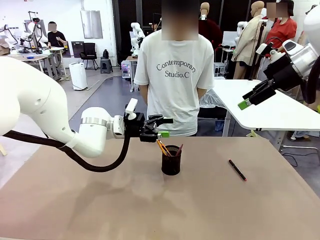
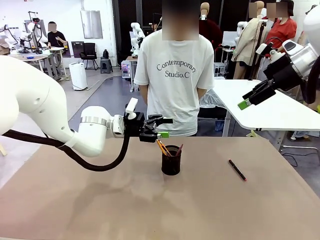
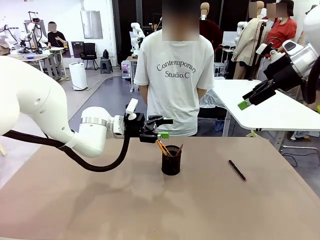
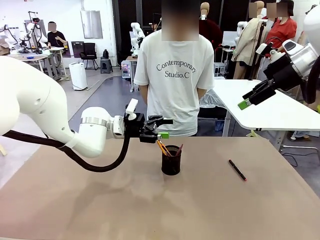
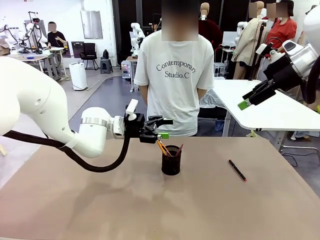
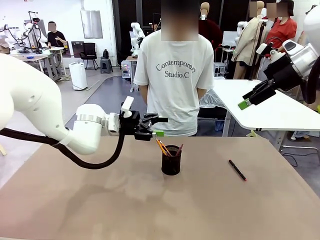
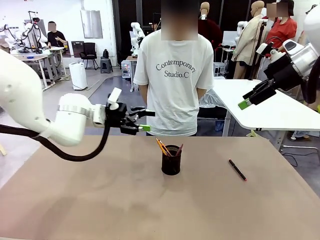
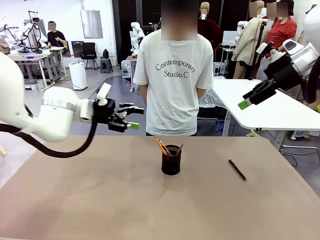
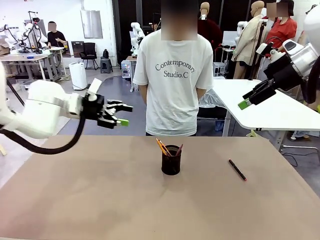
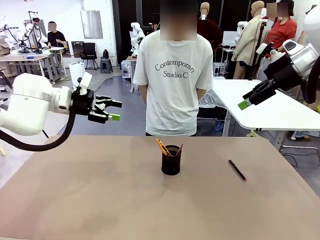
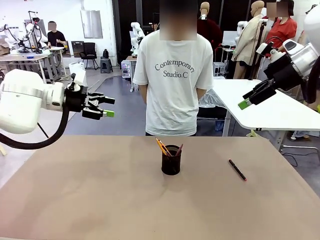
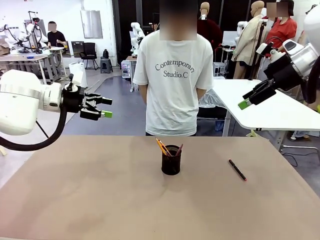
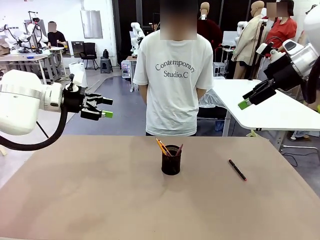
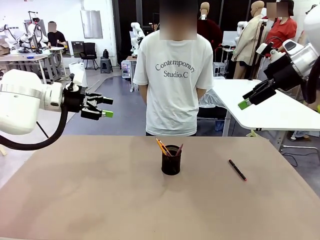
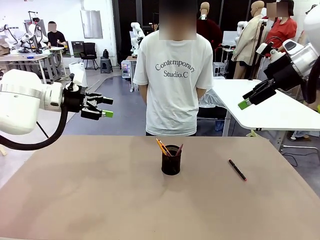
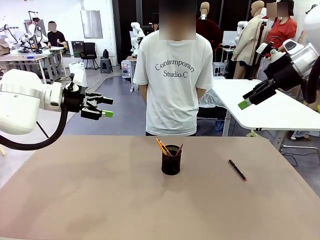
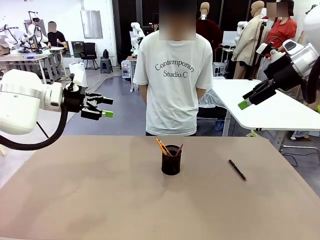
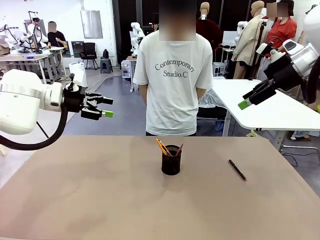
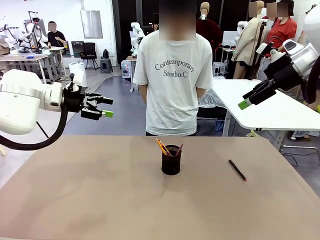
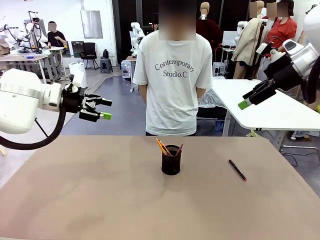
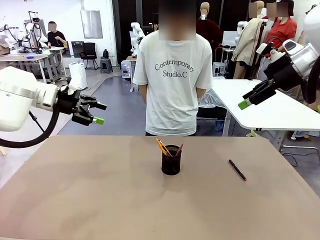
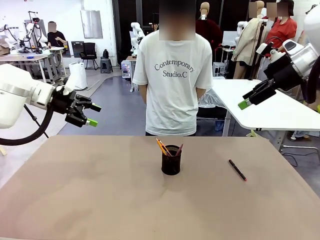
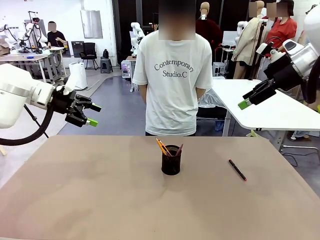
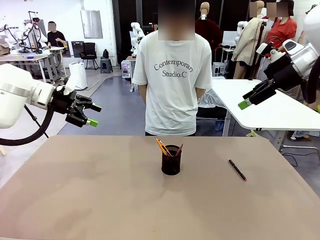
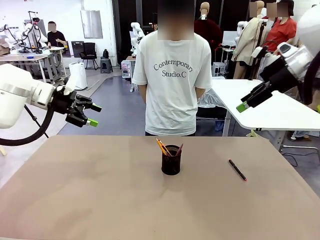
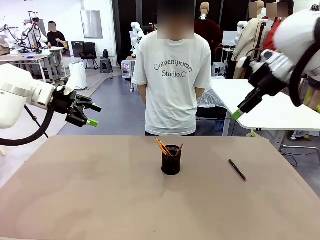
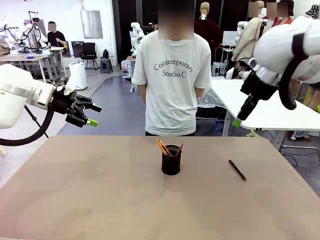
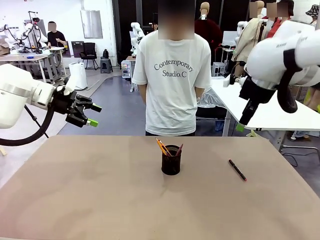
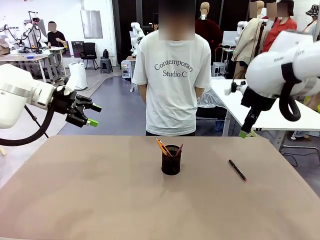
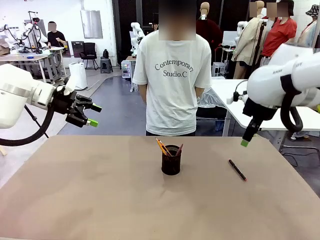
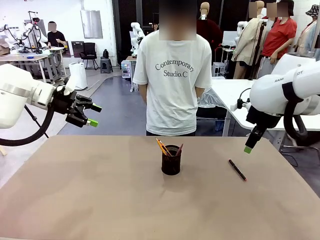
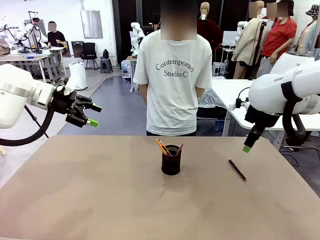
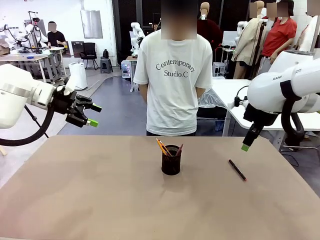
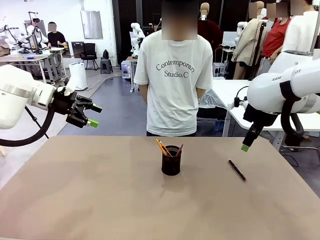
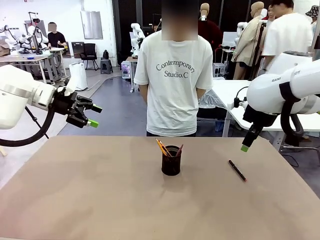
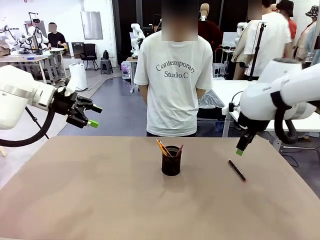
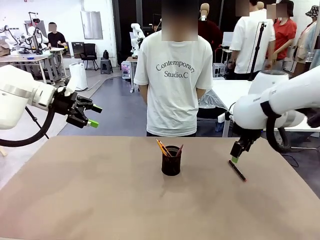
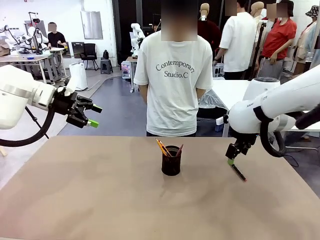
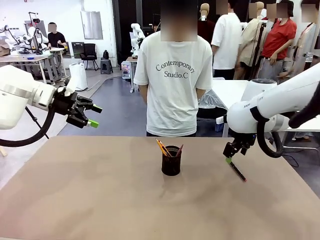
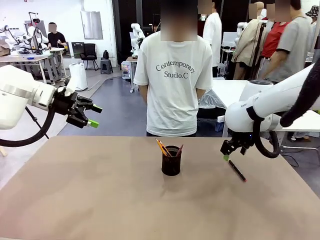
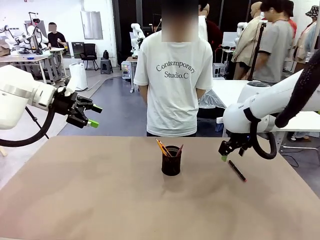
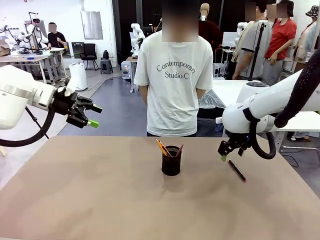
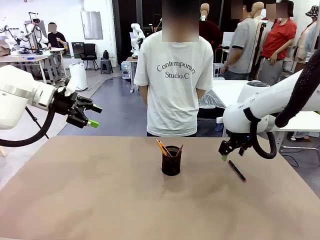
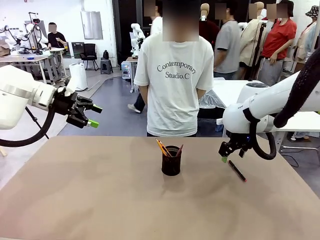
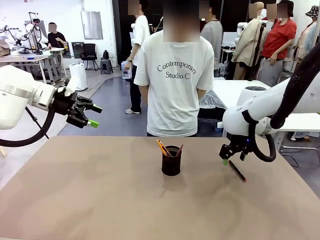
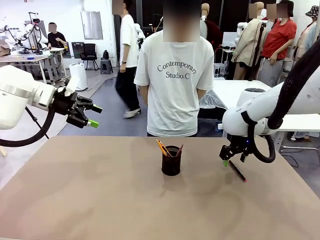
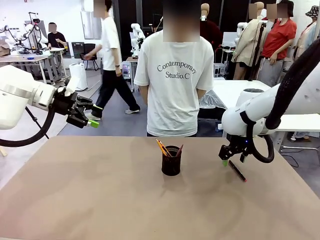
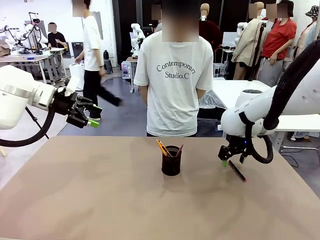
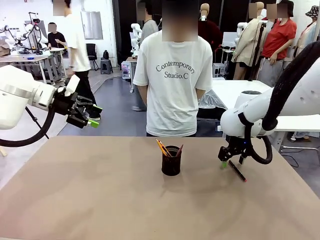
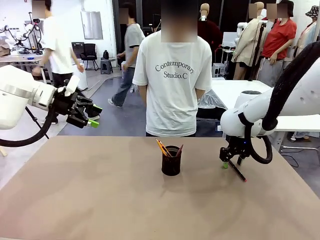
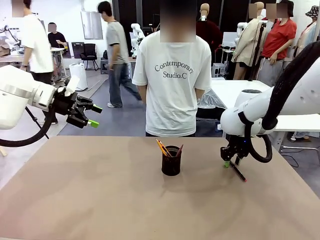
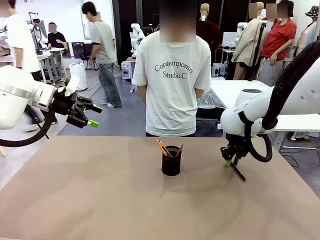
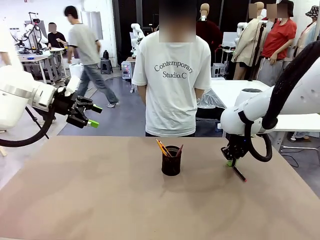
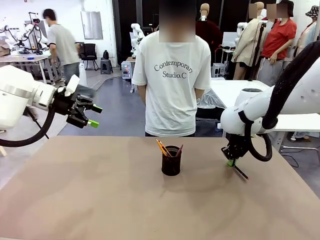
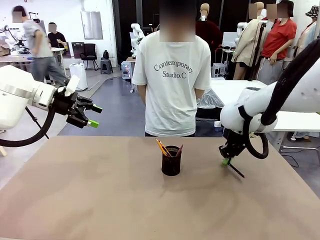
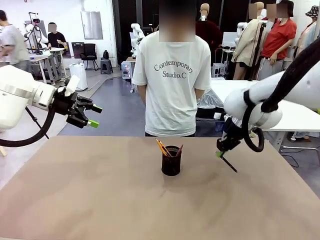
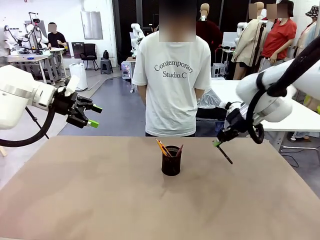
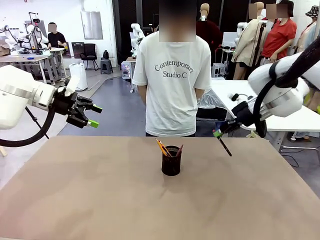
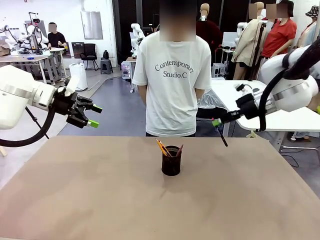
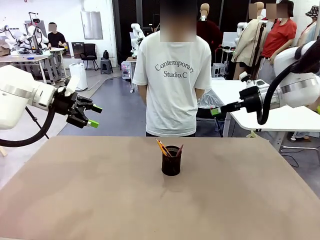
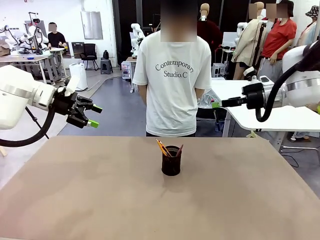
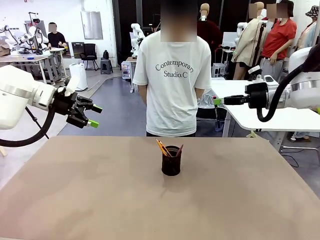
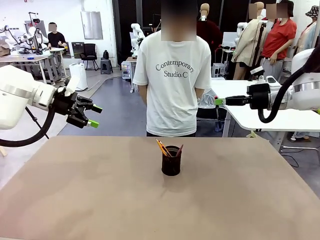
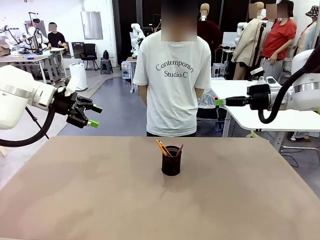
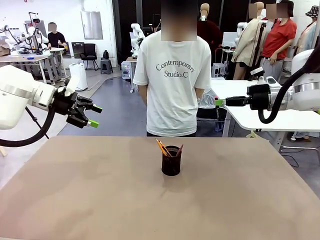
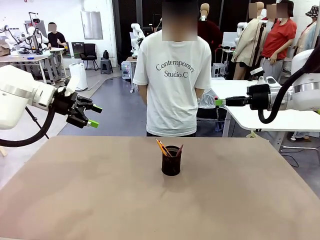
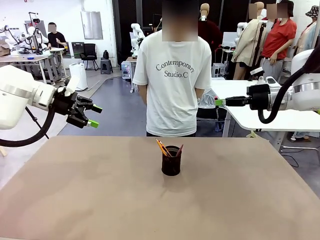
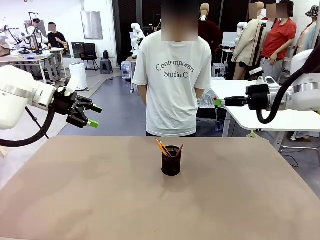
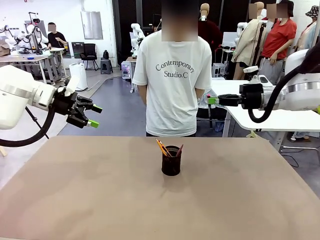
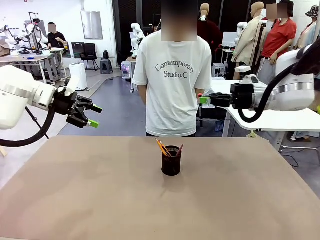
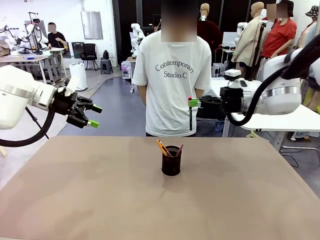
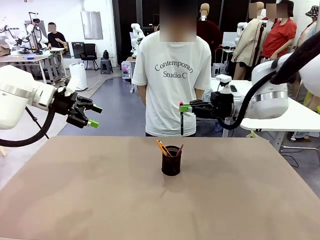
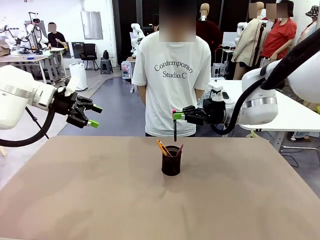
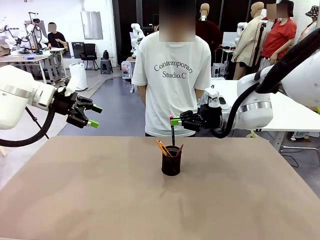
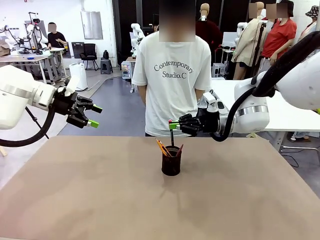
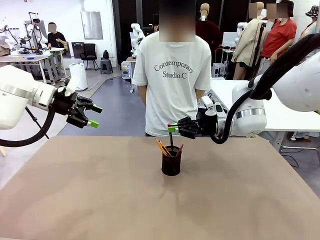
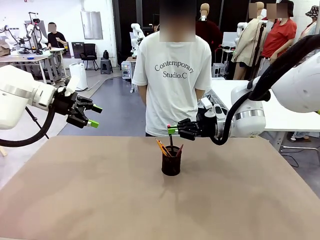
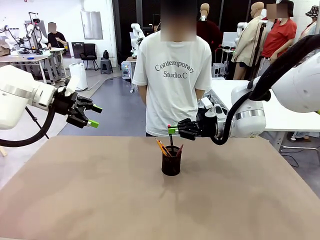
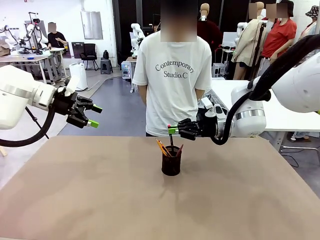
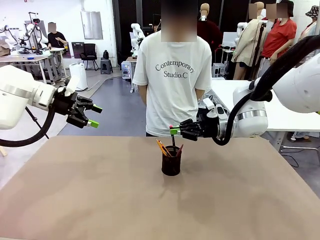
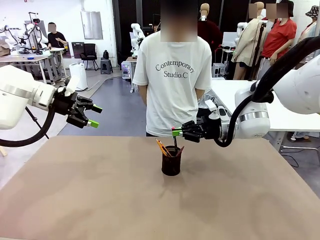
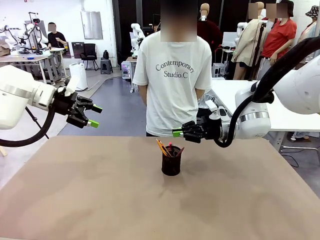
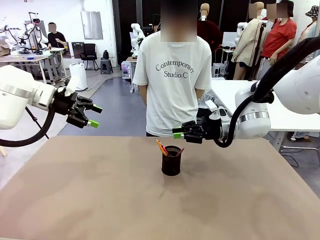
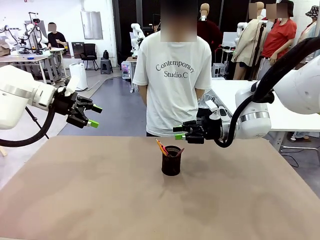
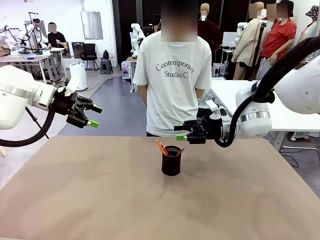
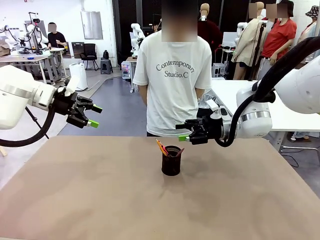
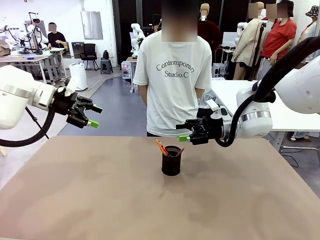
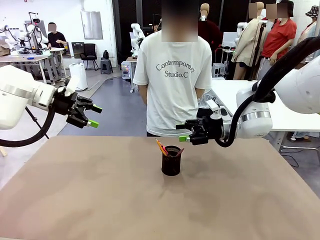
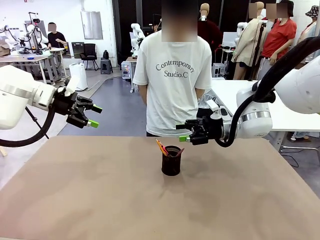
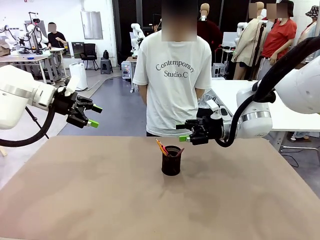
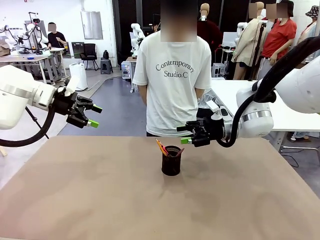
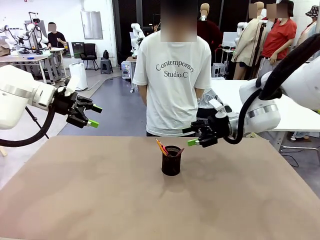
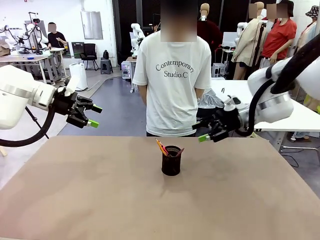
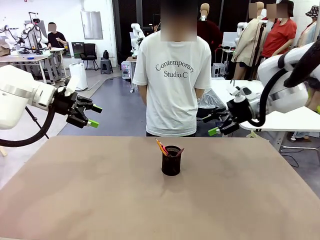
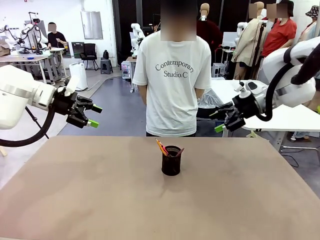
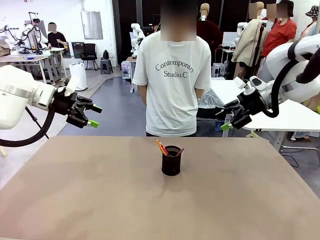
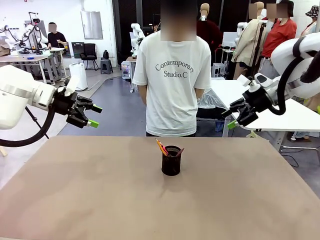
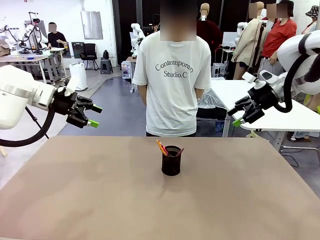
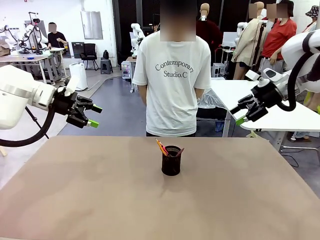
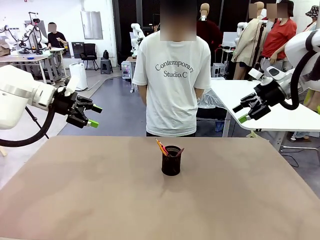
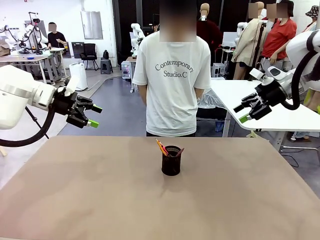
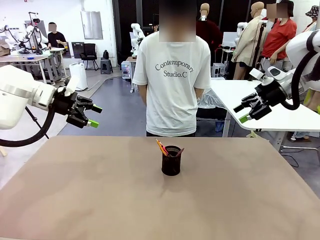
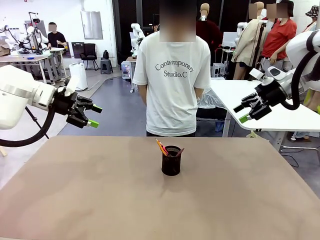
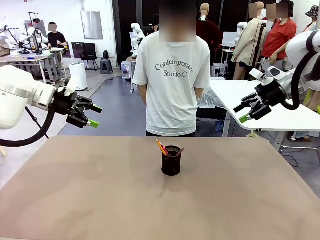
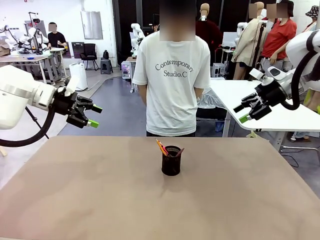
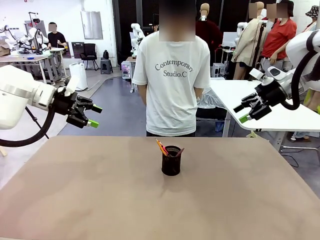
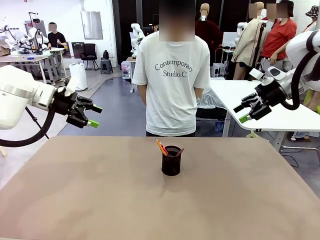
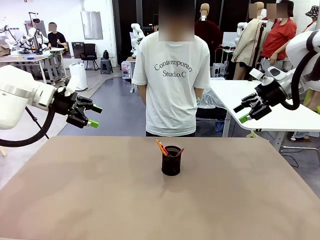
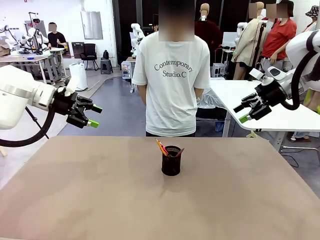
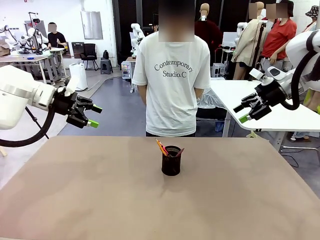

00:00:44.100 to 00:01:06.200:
Task: Place the pens into the pen holder.
Robot: Pick up a writing instrument from the table and place it into the Pen holder.
